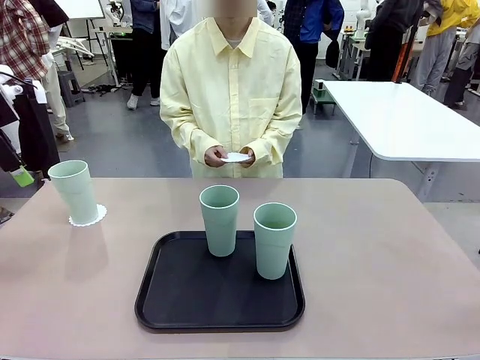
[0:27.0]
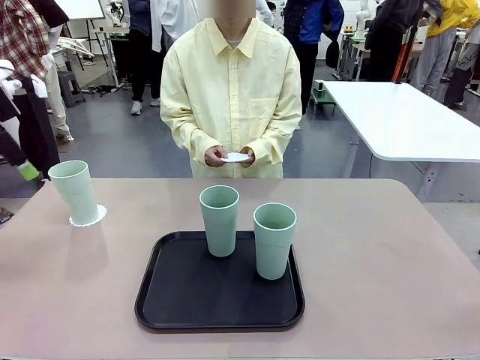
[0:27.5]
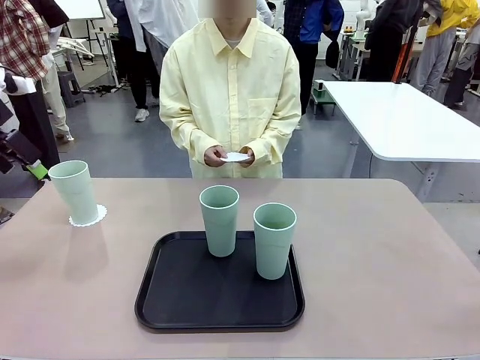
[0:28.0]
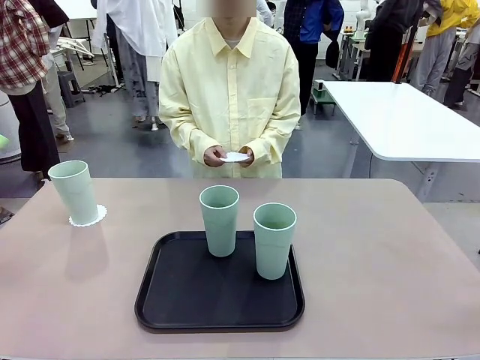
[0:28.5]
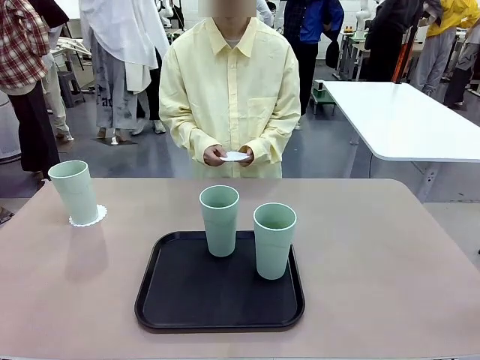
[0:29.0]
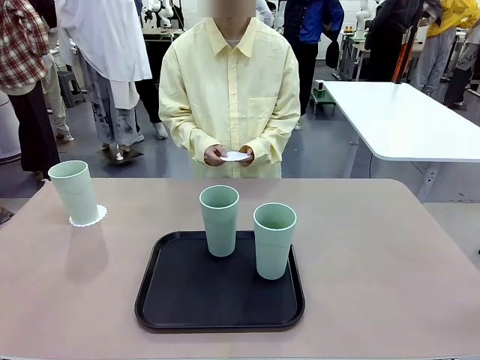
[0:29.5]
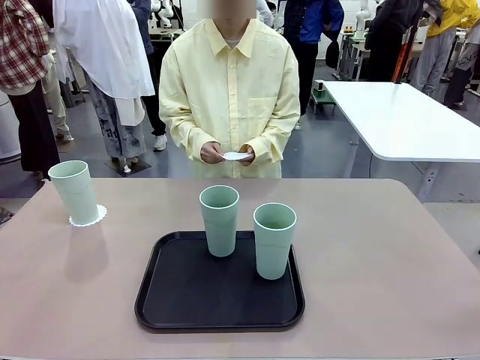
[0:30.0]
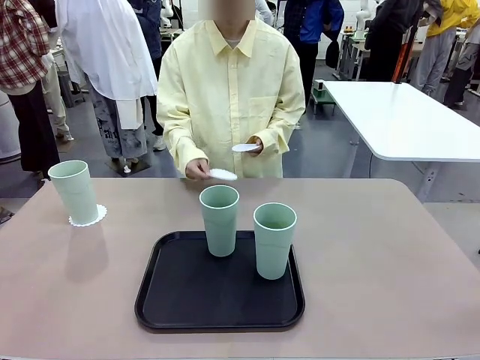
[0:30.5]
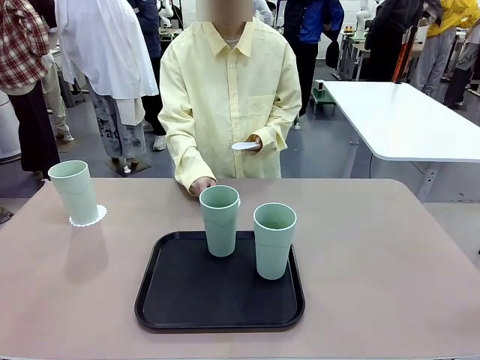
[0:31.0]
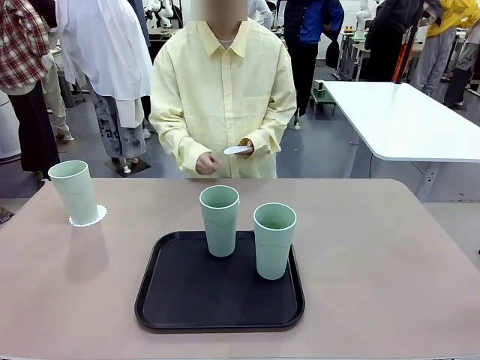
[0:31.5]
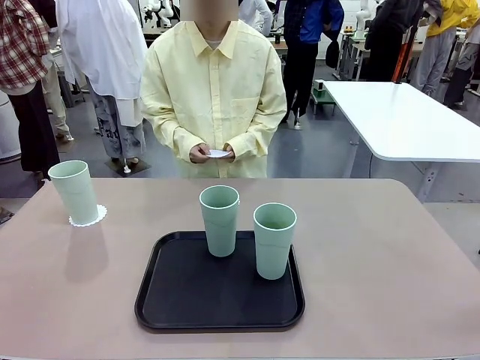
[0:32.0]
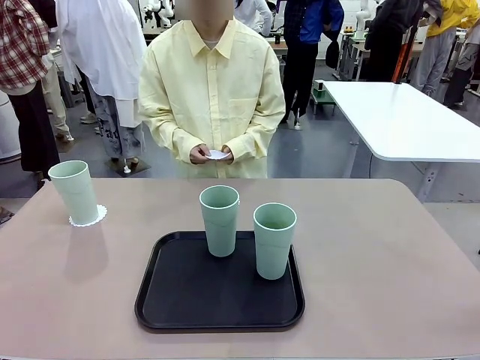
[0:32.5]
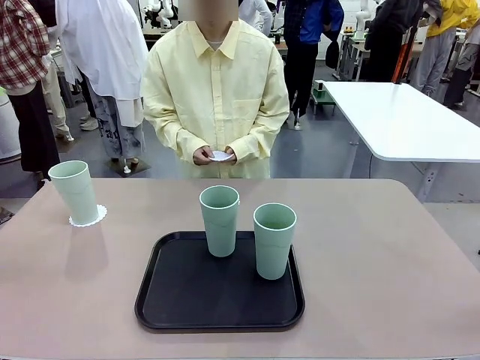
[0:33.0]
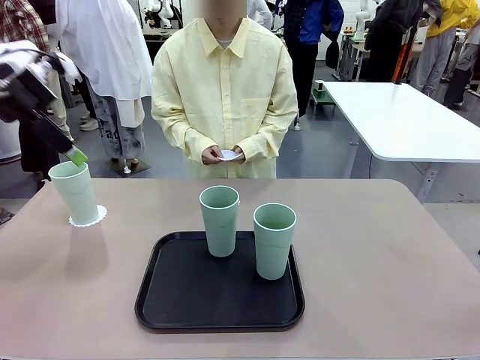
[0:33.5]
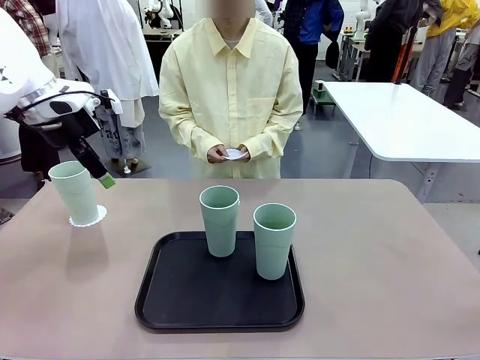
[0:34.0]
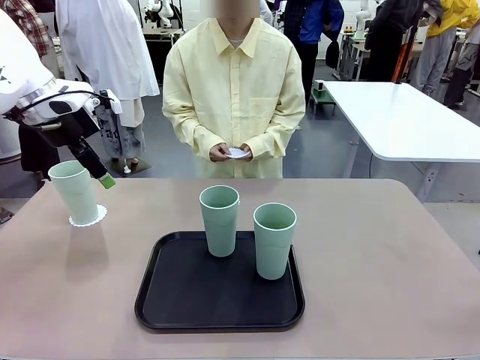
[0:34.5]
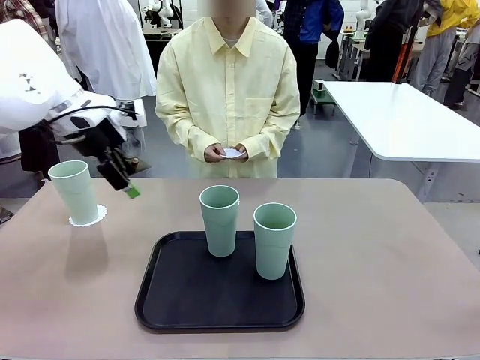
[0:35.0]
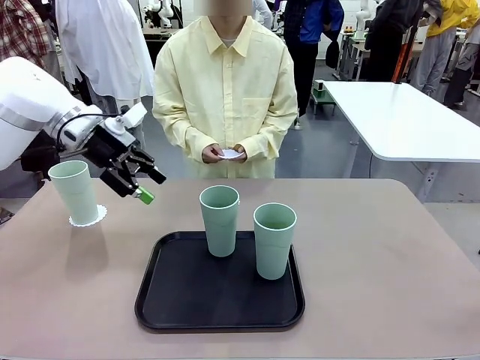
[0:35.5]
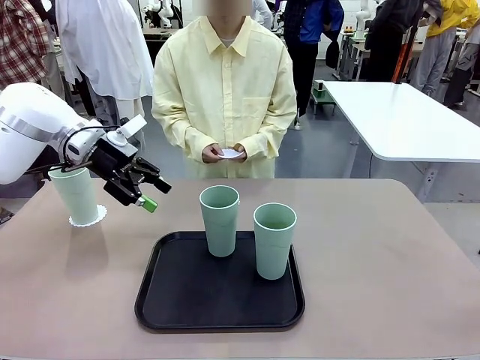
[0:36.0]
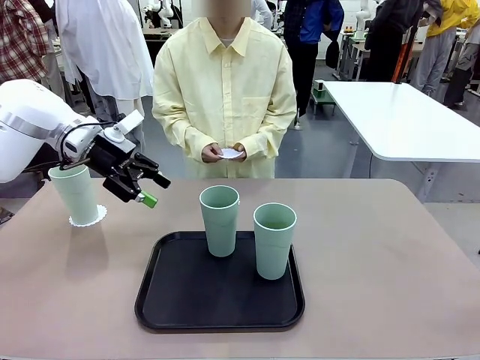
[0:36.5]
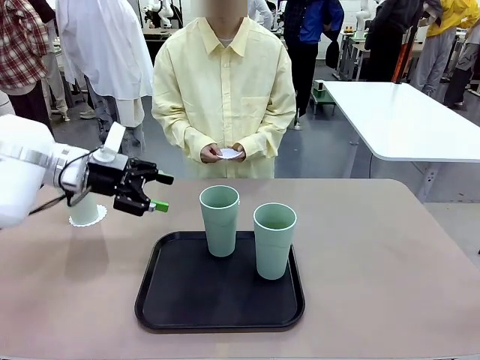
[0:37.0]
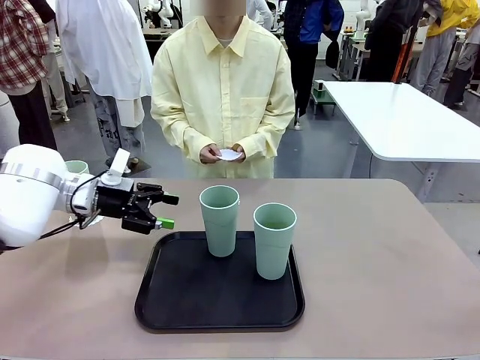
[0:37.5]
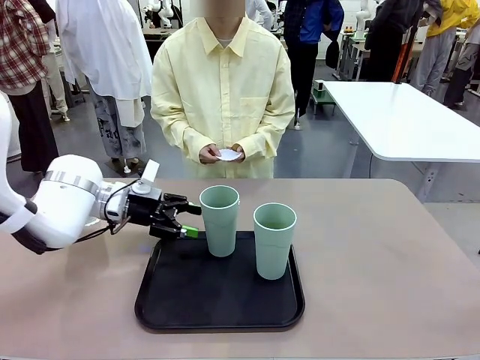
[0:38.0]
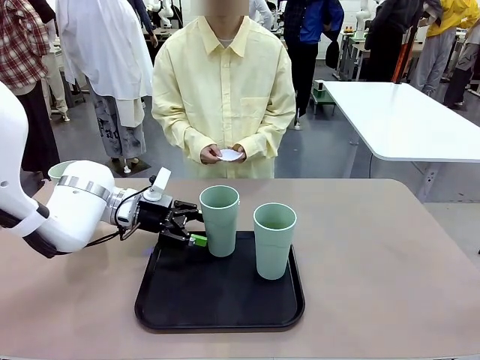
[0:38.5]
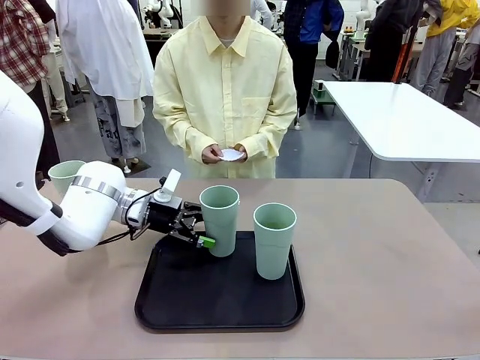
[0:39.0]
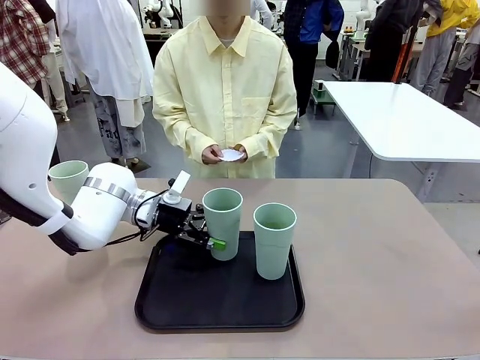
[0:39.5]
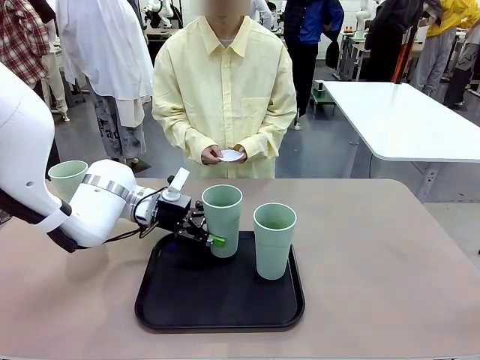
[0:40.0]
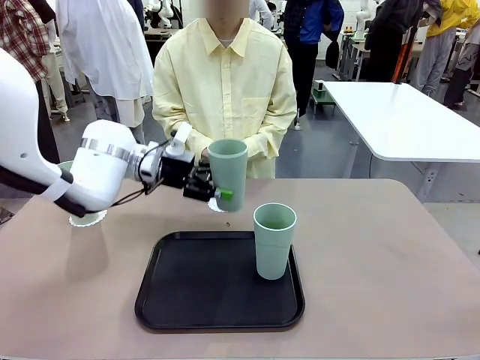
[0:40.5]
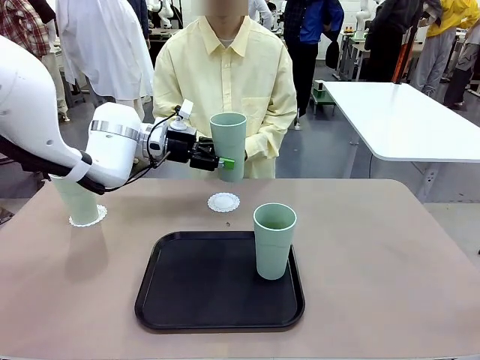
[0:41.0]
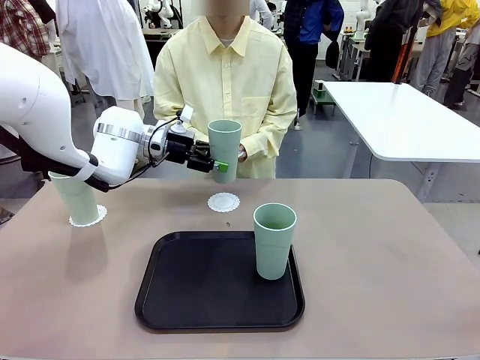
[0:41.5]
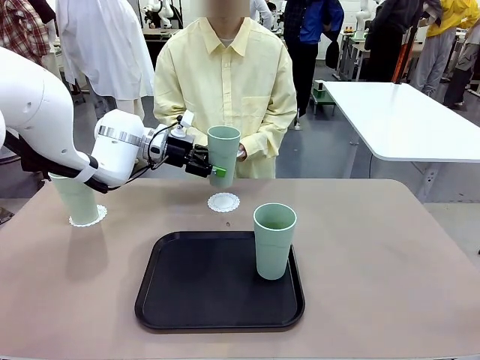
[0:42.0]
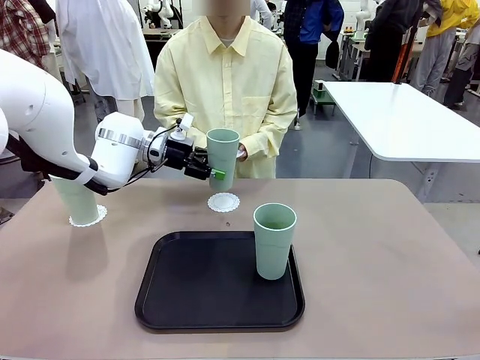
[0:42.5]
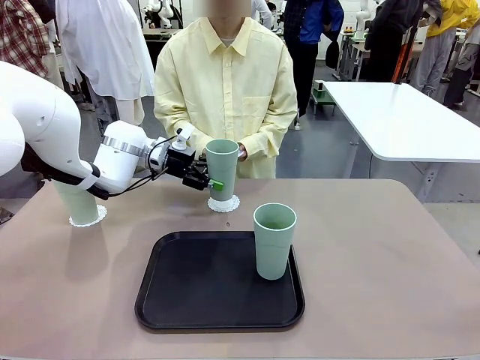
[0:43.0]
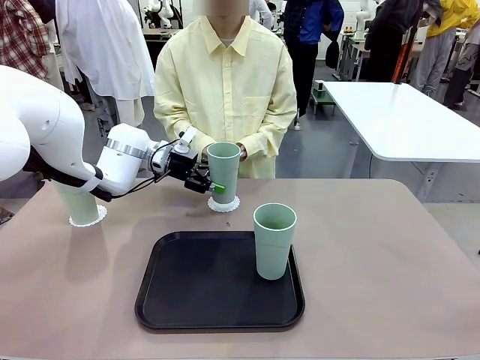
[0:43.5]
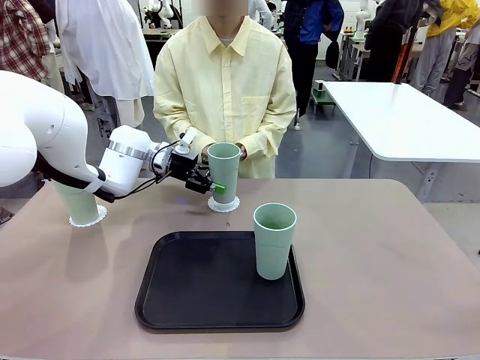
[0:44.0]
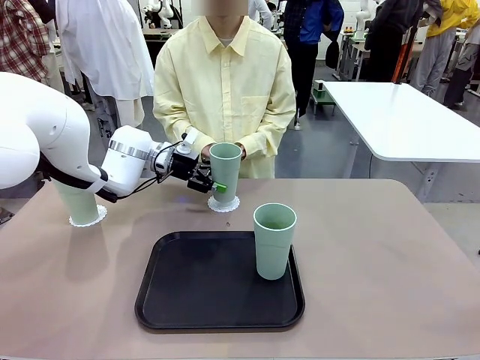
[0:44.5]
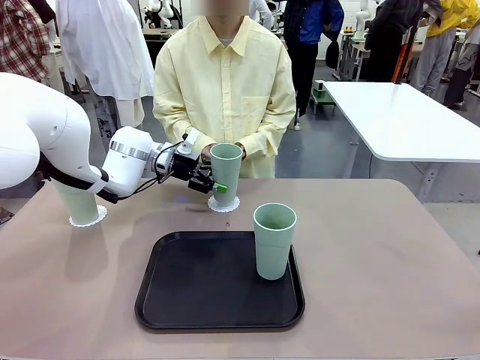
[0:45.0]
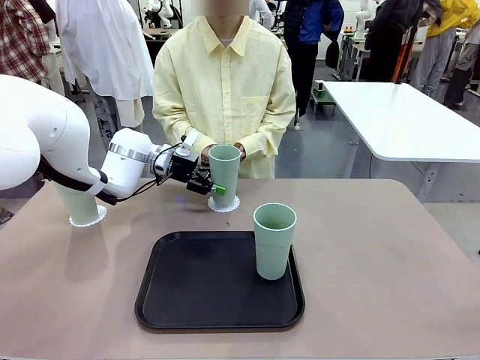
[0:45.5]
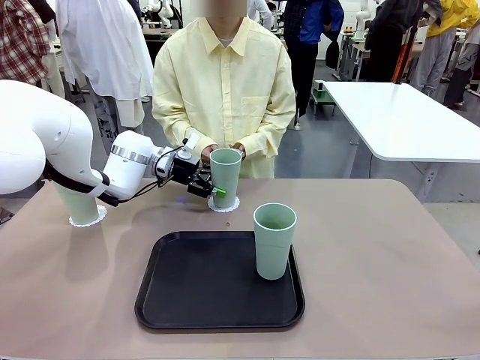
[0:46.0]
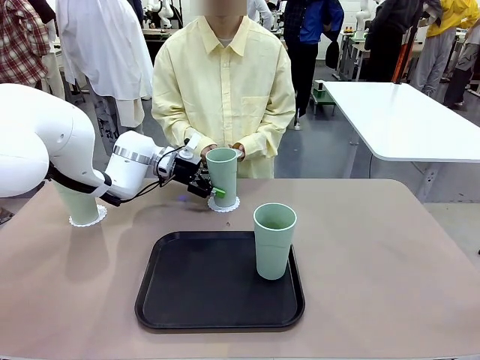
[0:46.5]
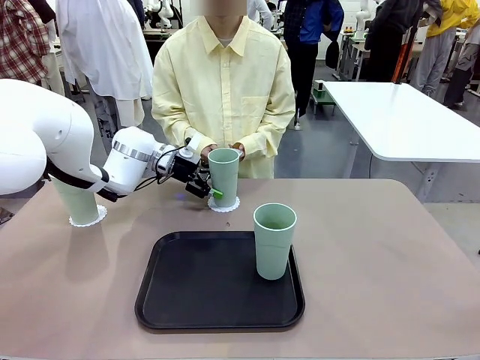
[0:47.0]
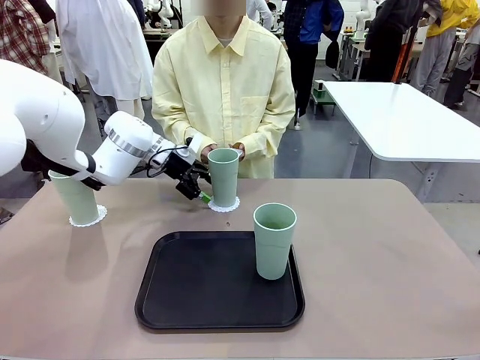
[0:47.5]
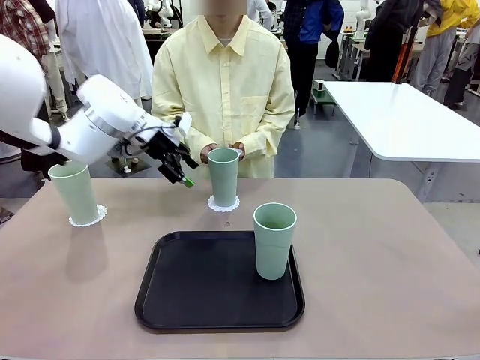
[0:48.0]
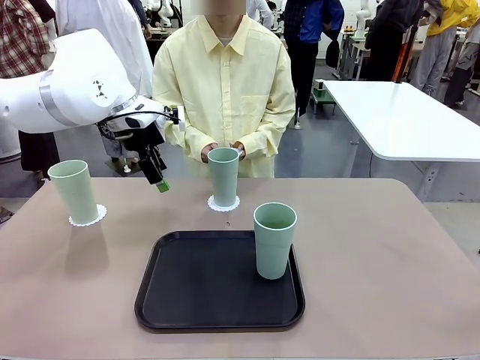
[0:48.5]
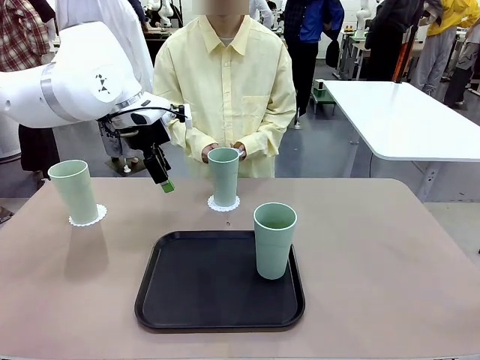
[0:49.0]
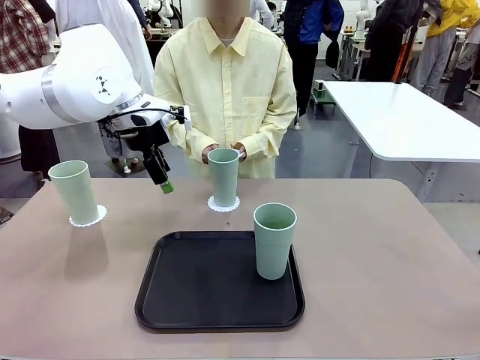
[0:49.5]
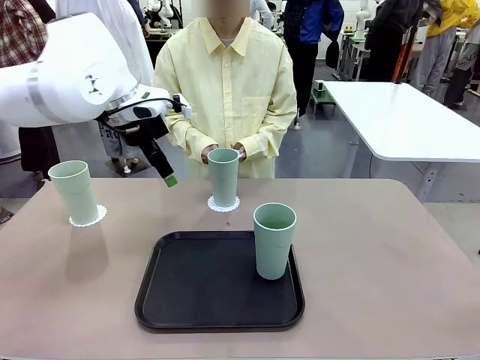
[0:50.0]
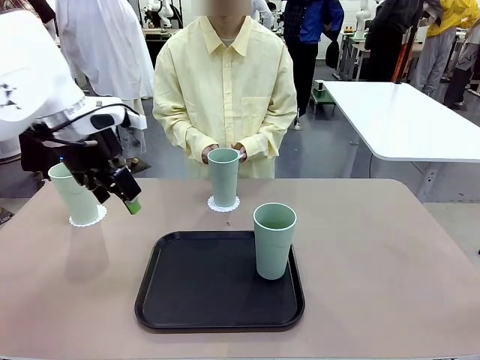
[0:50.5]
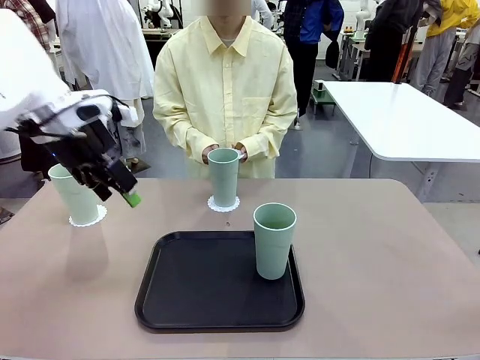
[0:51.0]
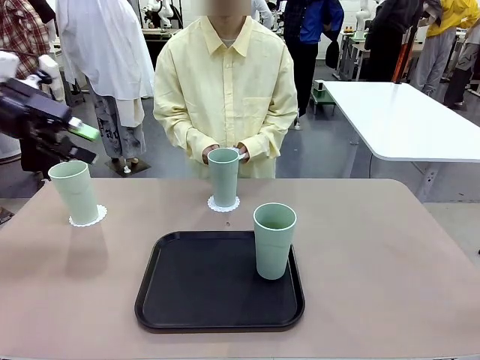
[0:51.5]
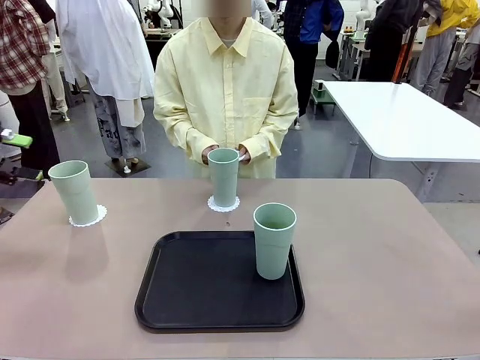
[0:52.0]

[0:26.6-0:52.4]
Task: Place coasters on the table and set cups on them.
Robot: Take one Reusable plastic cup from the Flat Tray and place it on a coaster set by the human.
